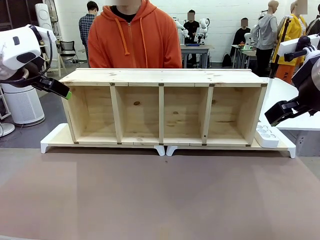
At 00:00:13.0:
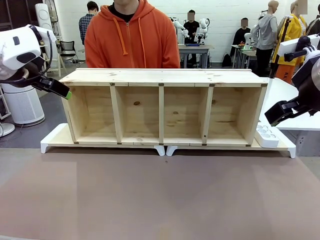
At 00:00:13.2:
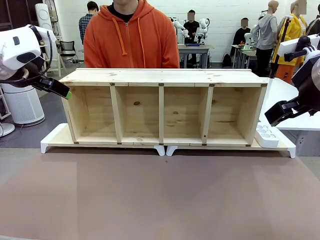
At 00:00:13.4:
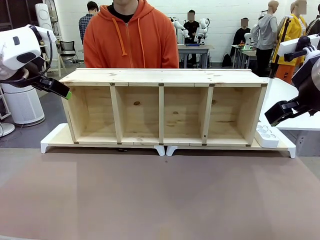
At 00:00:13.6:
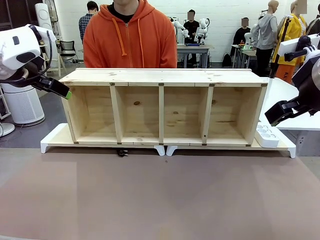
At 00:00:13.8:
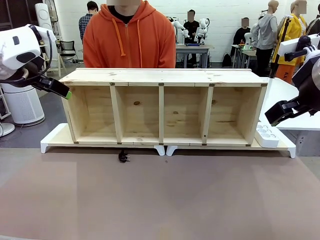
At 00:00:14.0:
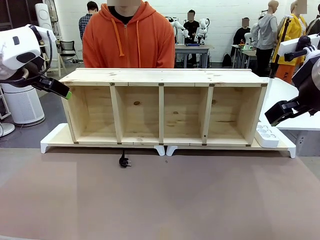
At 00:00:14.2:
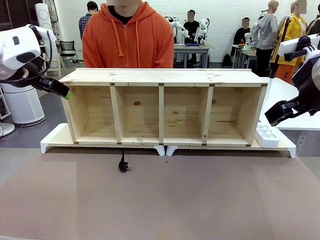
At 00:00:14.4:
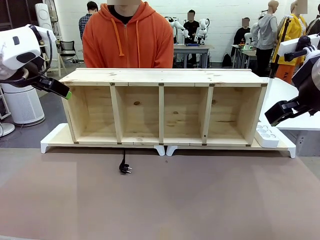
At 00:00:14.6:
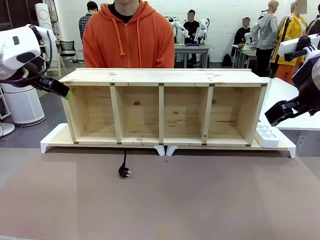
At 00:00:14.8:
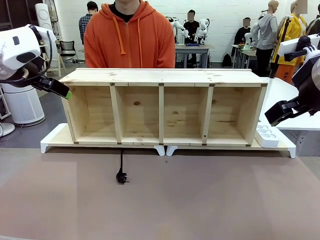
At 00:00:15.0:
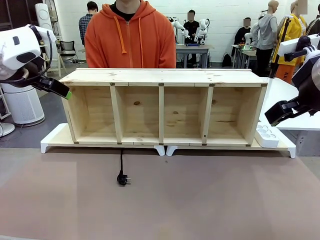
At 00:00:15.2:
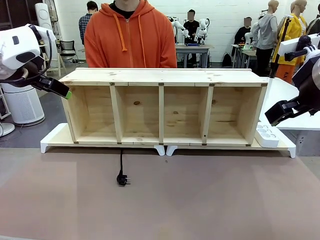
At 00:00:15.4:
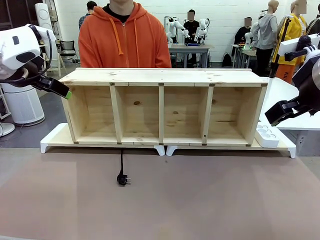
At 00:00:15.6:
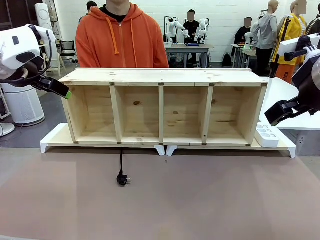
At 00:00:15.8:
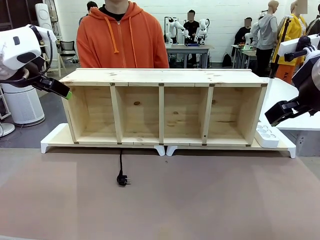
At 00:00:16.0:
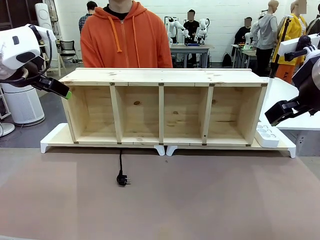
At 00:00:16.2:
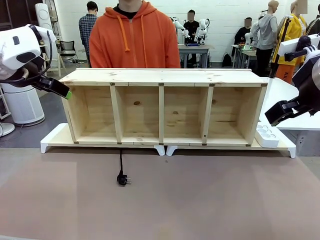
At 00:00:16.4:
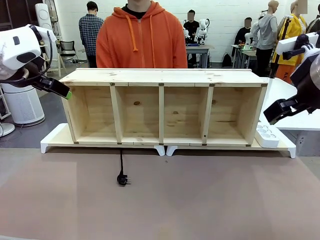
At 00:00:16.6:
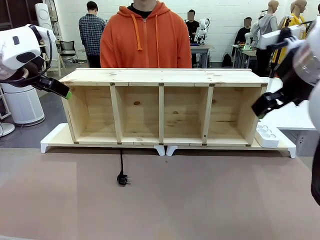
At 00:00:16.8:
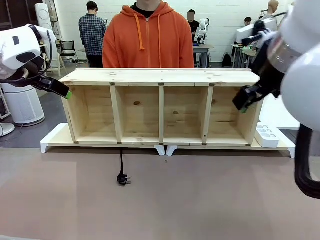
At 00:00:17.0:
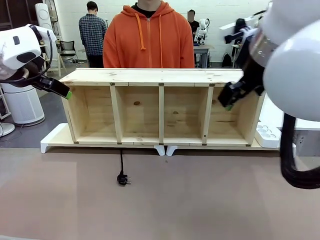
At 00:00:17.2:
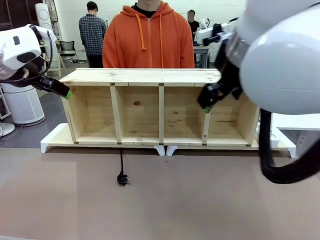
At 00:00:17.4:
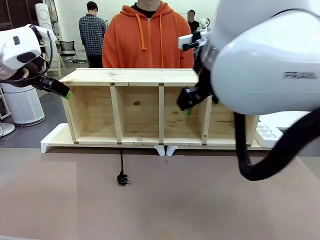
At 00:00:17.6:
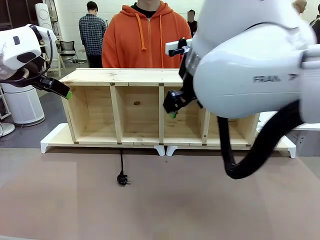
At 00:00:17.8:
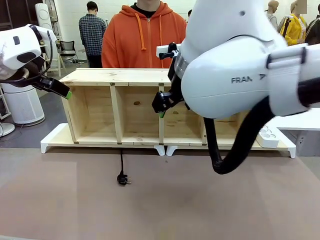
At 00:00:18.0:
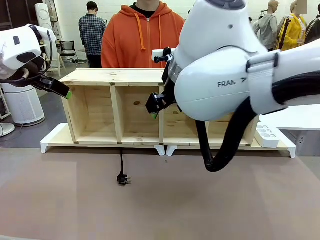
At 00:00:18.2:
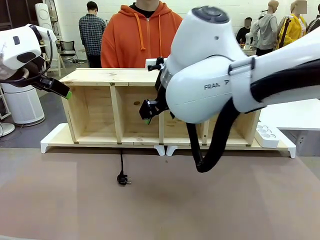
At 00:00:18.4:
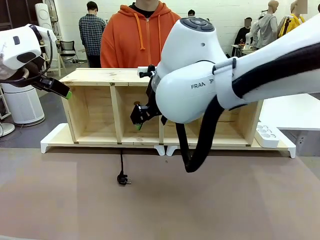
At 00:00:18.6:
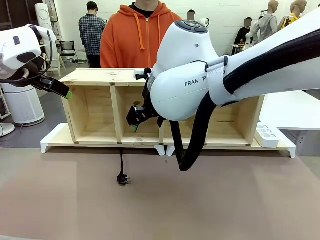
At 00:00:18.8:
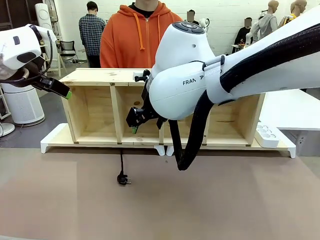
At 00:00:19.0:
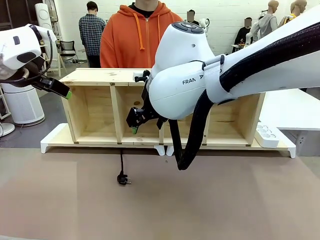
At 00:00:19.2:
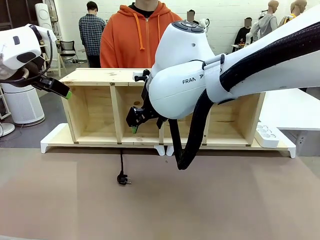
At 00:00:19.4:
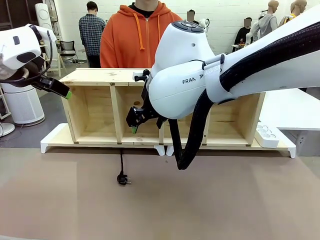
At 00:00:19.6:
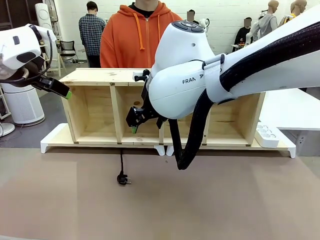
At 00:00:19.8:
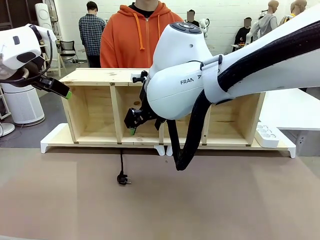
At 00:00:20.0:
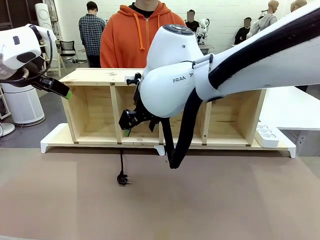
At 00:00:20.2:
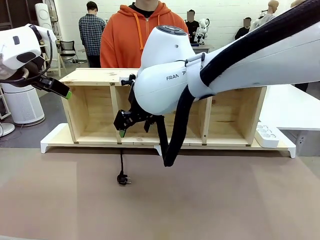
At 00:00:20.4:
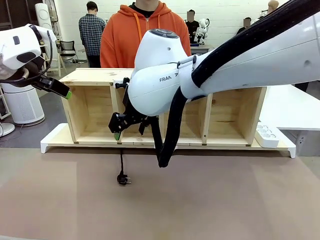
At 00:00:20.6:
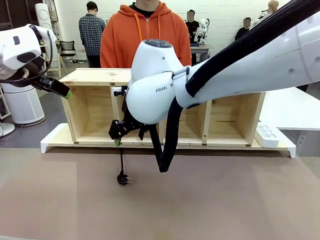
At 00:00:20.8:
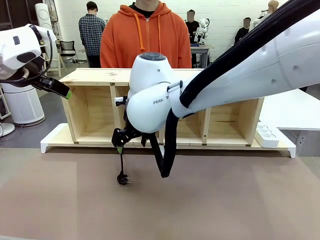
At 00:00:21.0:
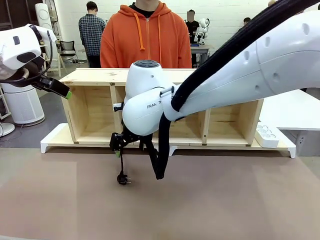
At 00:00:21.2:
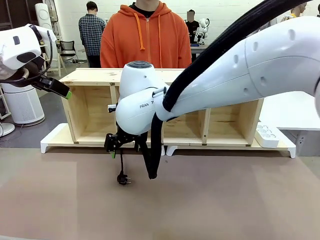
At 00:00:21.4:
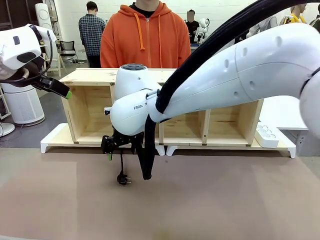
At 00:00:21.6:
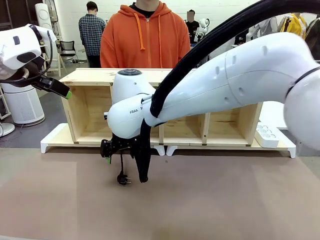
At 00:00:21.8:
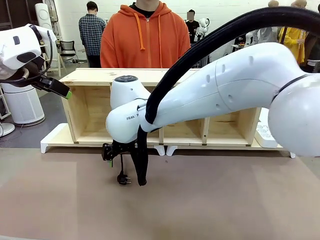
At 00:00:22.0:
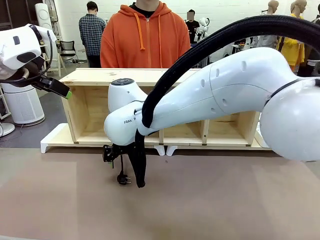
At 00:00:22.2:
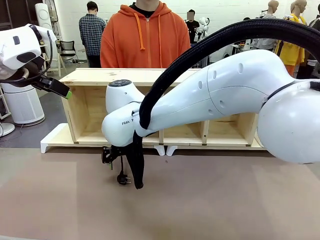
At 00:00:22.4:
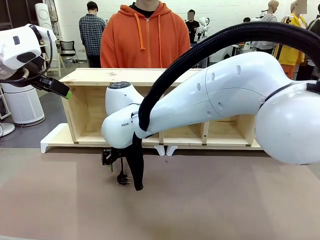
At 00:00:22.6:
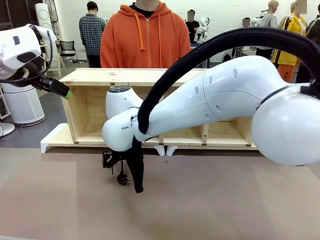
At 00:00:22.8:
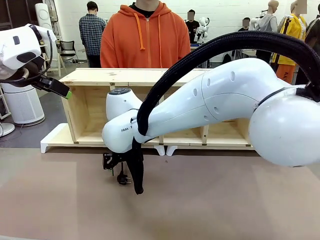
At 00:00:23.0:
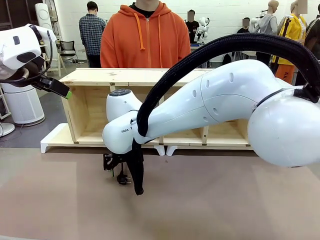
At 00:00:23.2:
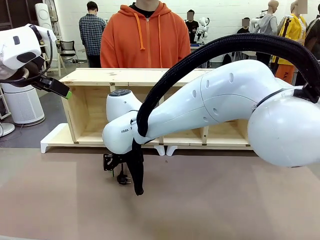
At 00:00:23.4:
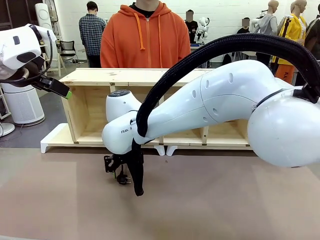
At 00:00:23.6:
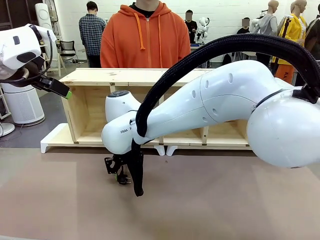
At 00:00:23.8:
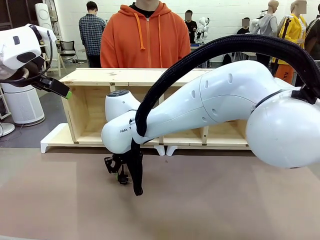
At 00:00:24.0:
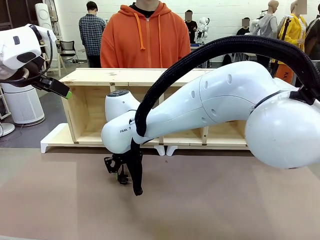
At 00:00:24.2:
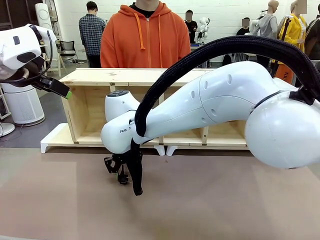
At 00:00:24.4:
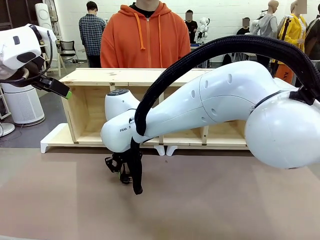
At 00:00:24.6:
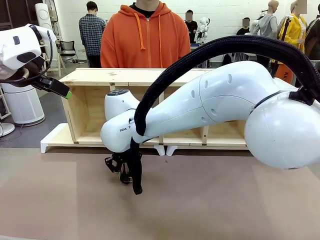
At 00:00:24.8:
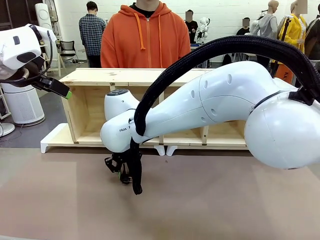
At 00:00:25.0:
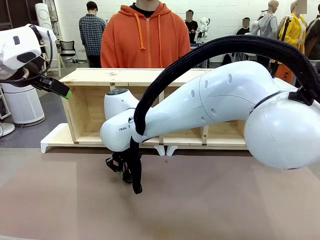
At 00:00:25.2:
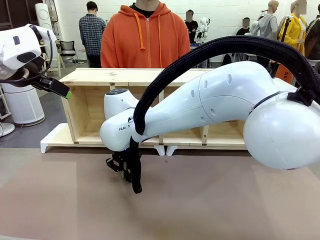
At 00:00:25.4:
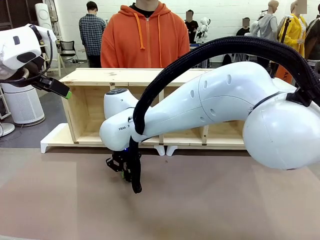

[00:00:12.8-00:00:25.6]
Task: Perform cable management.
Robot: When the cord part of the Power Cable appears at the lower middle area of the table and stops, grasp the cord part of the Power Cable.
